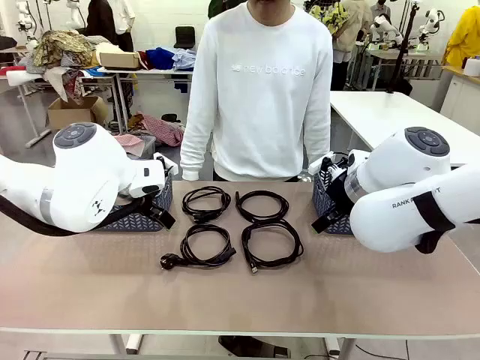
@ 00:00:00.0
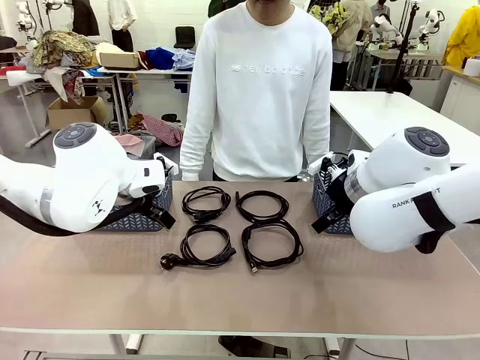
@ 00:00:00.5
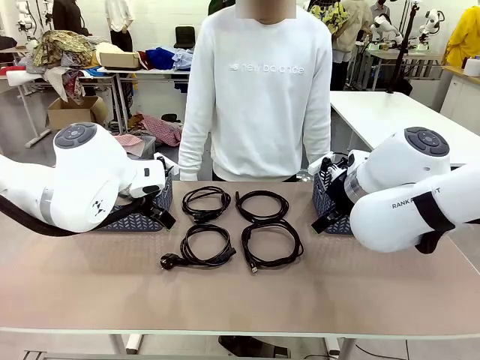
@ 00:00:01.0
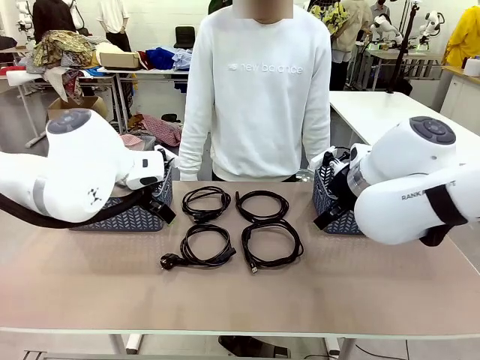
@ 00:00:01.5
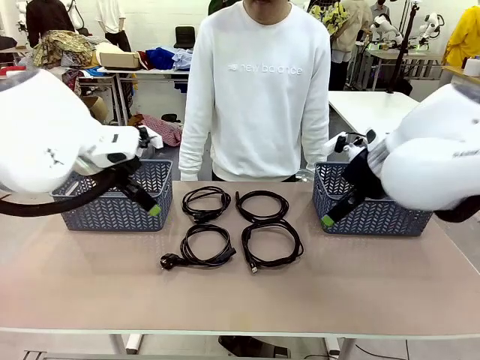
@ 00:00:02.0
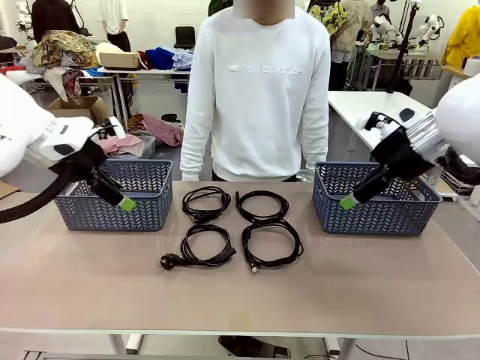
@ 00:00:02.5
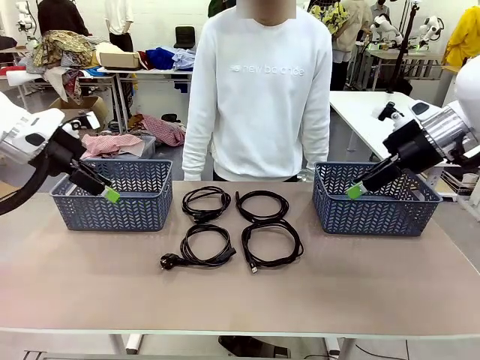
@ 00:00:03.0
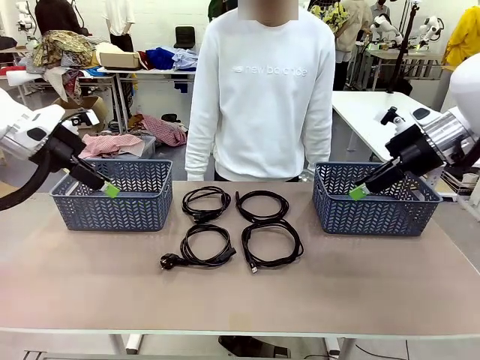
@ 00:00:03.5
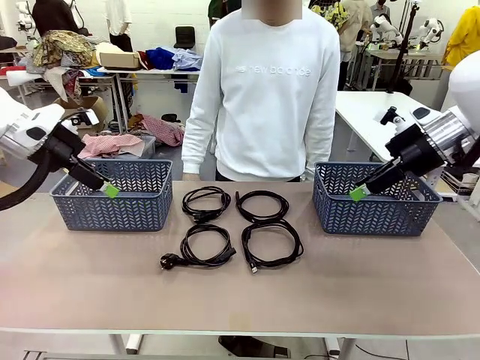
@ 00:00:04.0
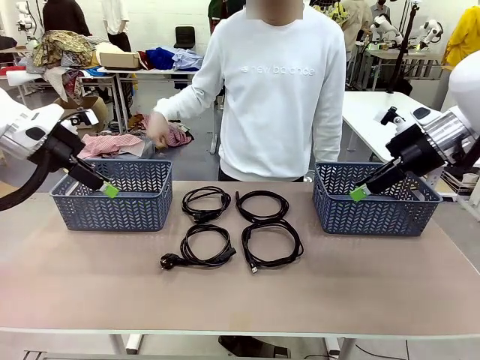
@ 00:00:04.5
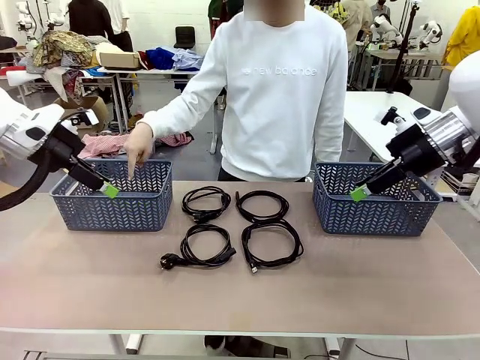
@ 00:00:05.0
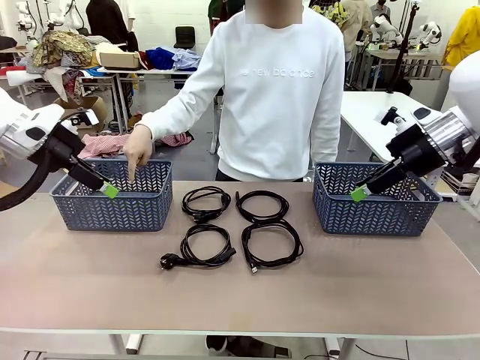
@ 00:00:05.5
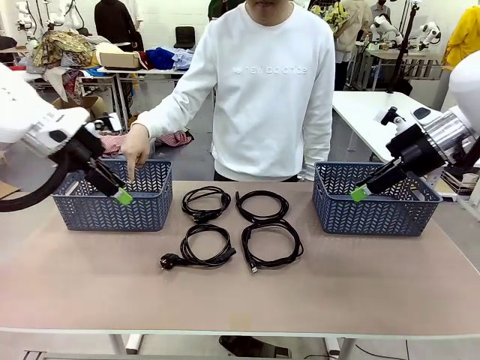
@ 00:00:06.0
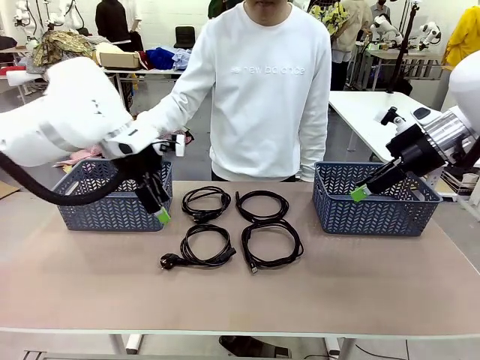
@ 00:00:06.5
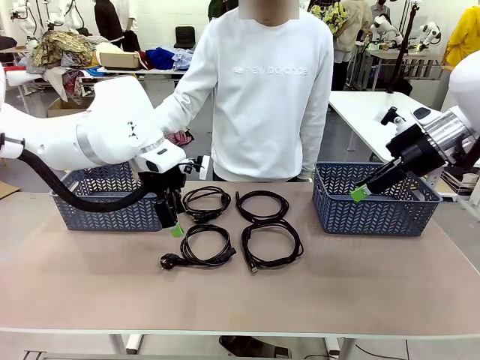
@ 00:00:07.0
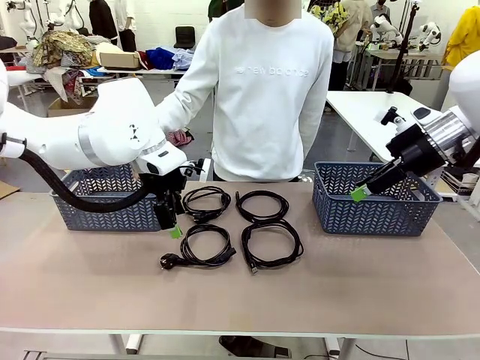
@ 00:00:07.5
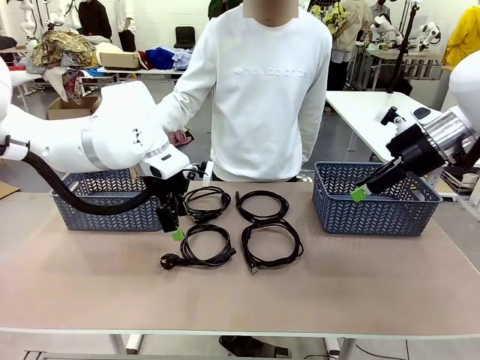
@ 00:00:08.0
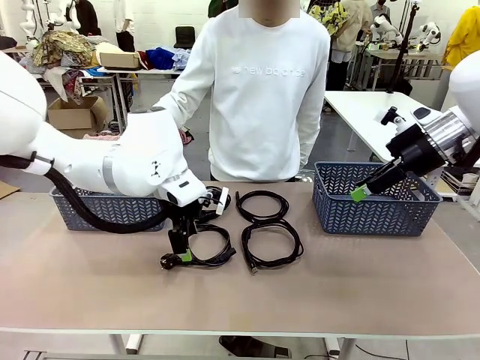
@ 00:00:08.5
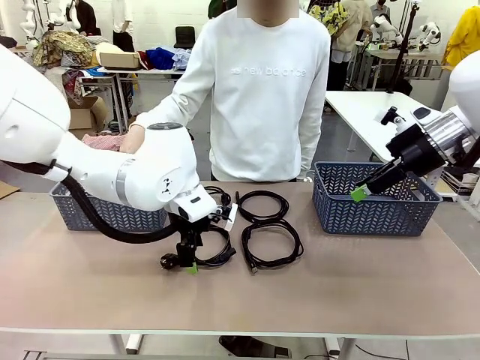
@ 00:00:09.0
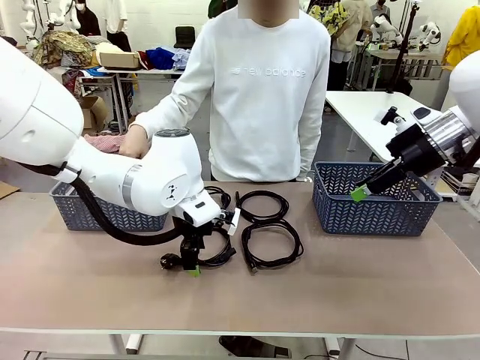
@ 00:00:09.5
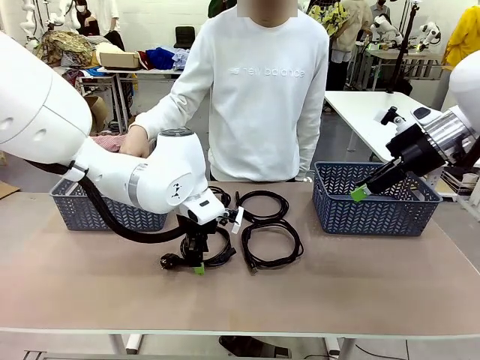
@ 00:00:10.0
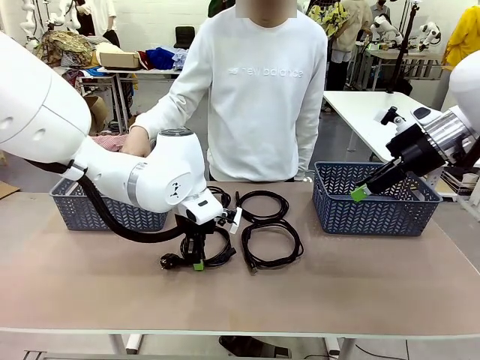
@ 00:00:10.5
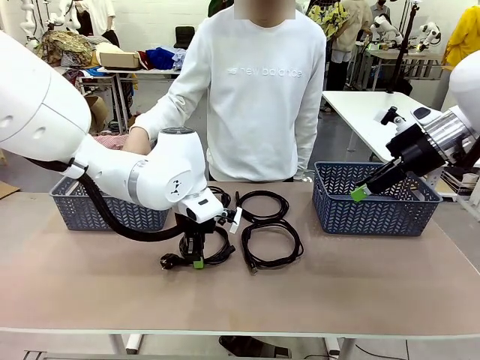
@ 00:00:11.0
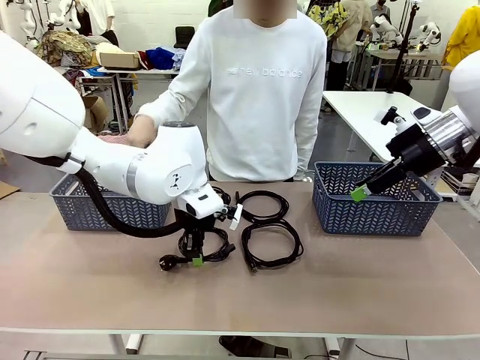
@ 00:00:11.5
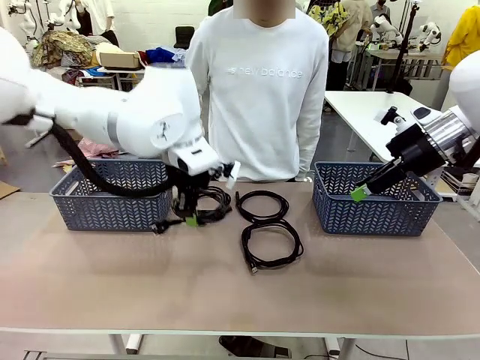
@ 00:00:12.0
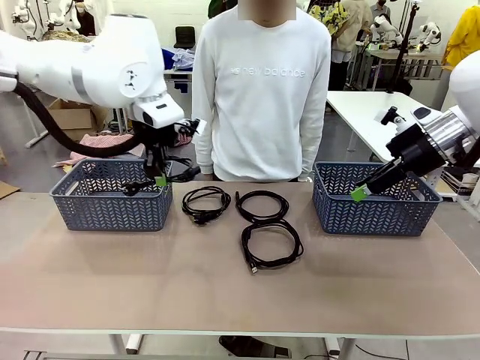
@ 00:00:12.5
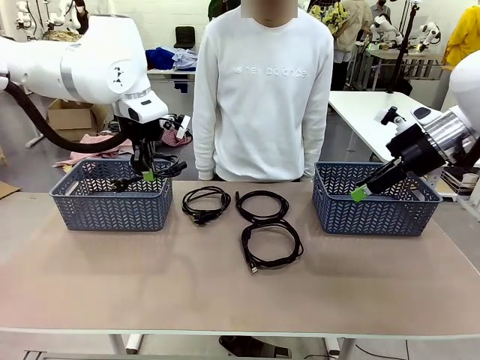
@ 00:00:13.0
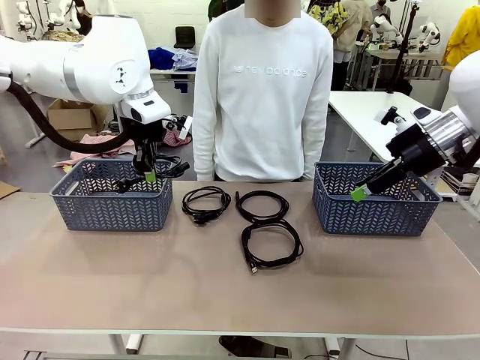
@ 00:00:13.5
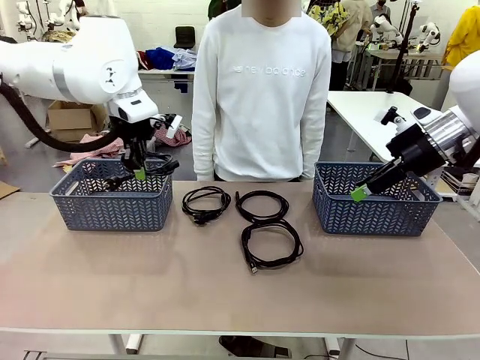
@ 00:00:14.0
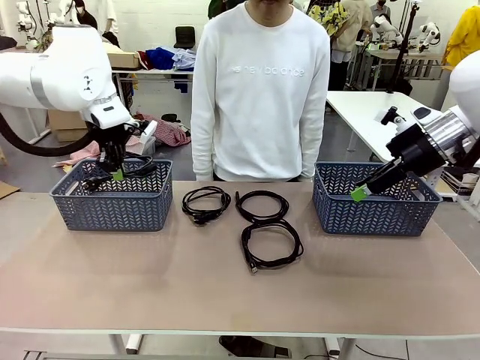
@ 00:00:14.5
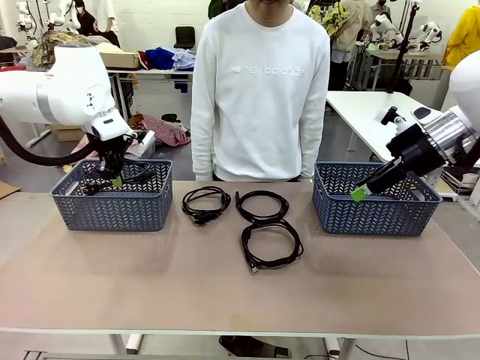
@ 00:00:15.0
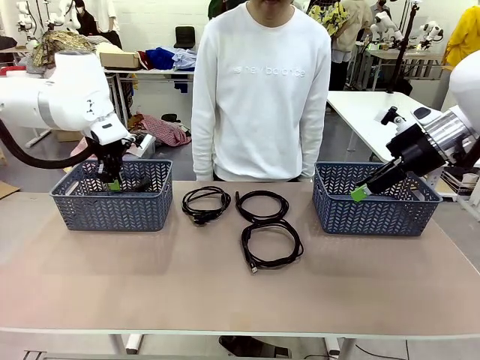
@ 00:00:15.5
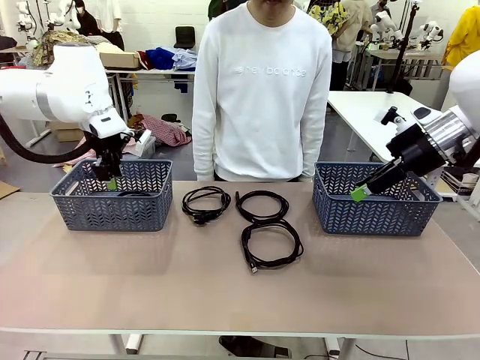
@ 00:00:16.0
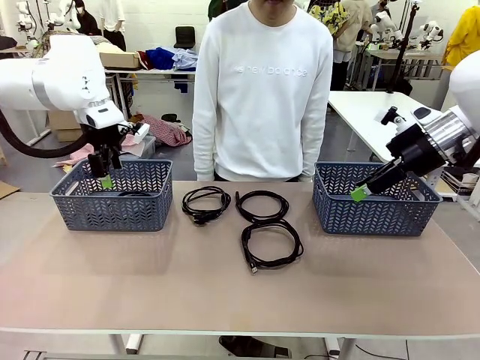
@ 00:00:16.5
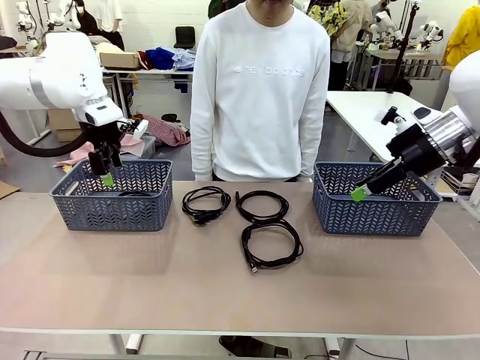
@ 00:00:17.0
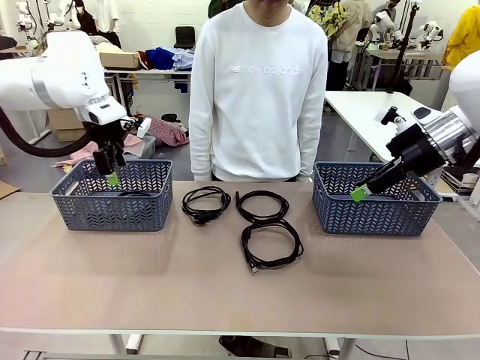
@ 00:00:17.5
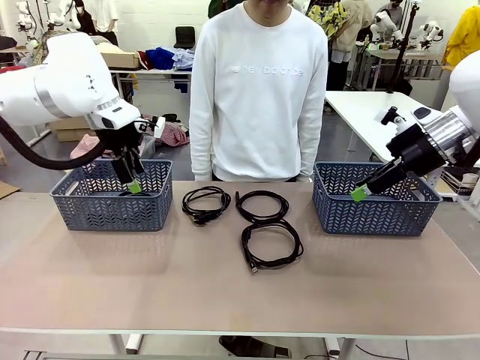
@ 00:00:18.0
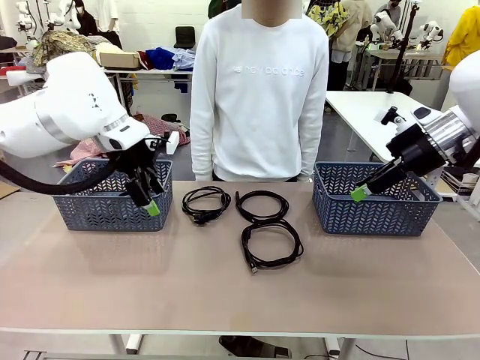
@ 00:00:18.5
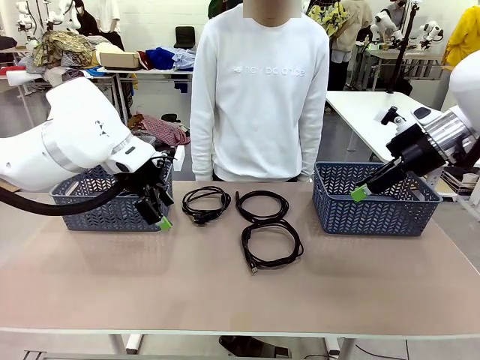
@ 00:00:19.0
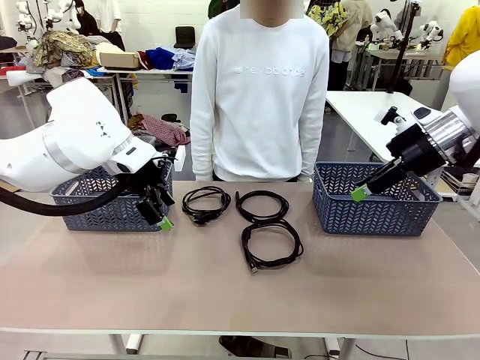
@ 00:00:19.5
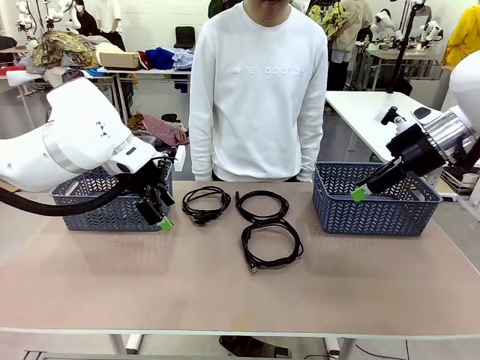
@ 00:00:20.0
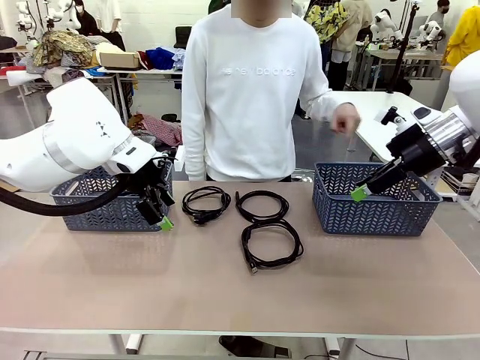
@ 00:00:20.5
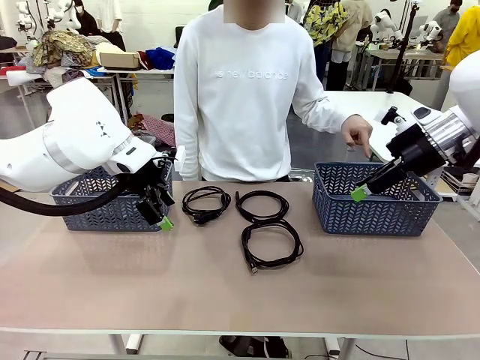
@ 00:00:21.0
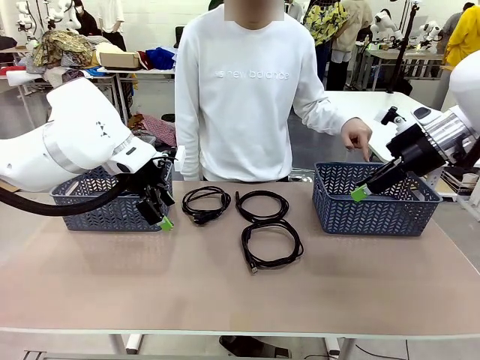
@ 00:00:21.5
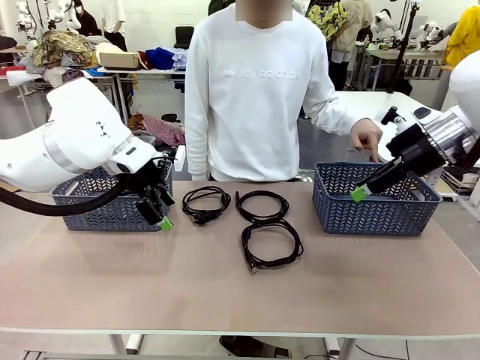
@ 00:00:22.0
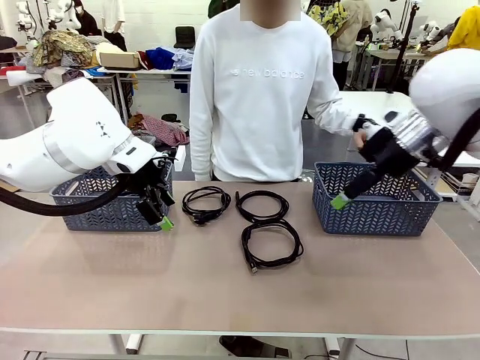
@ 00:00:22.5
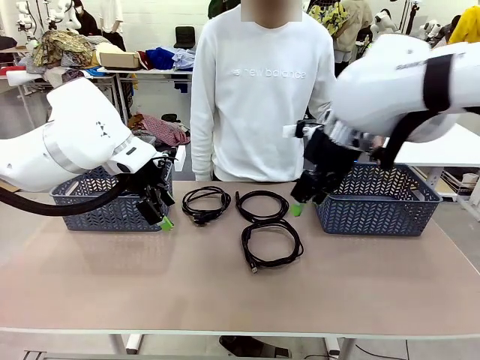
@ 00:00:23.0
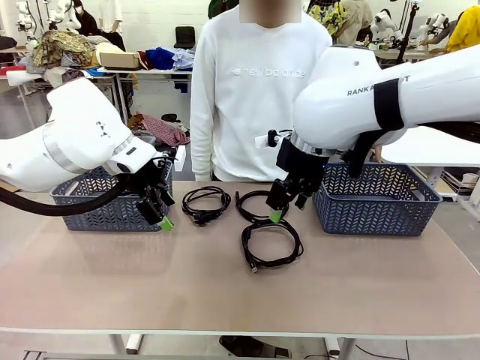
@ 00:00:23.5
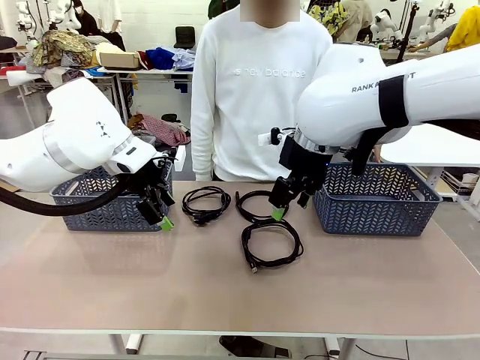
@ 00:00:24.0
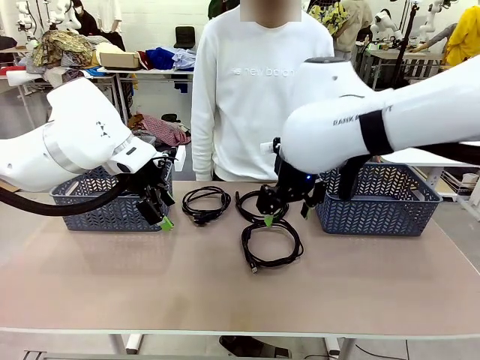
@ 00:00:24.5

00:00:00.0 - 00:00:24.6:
Task: Organize the cables according to human instructions.
Robot: Pick up a bundle of cables and place it in the basket indicated by the human.
